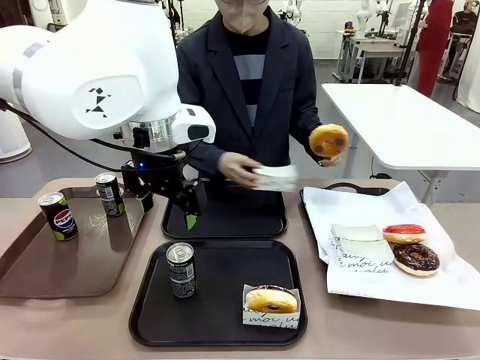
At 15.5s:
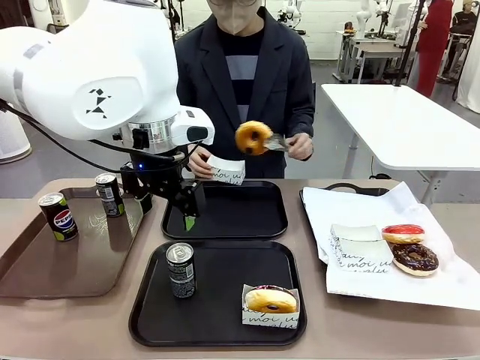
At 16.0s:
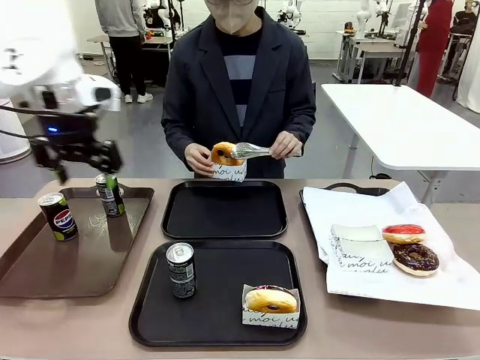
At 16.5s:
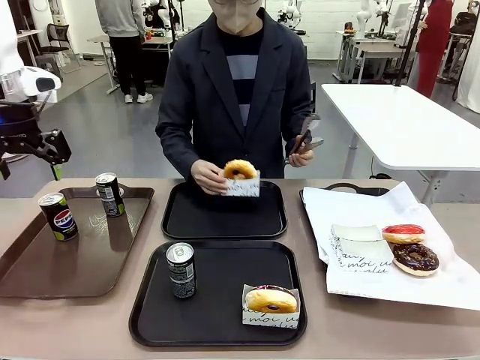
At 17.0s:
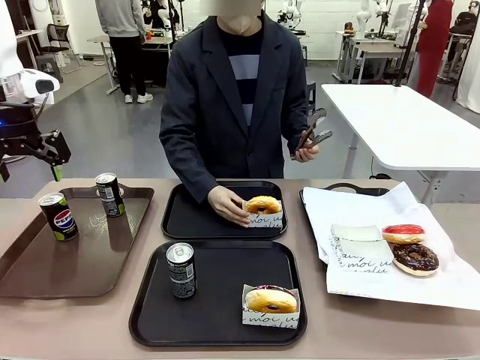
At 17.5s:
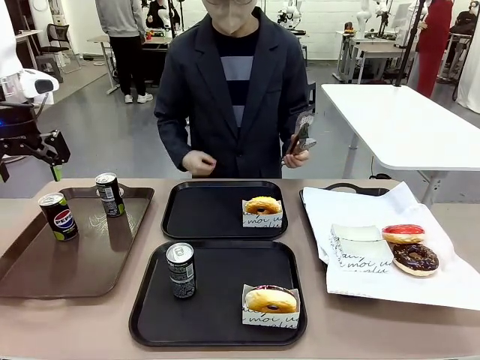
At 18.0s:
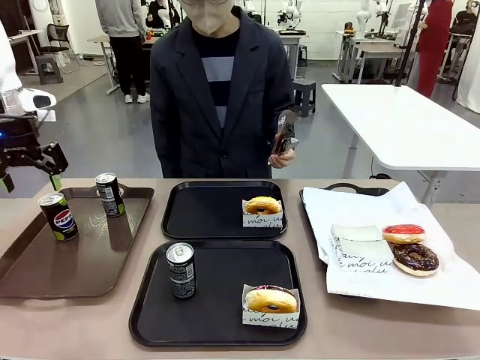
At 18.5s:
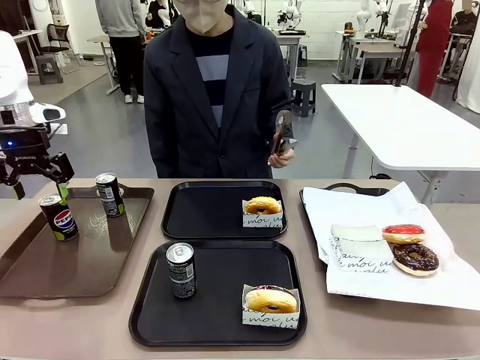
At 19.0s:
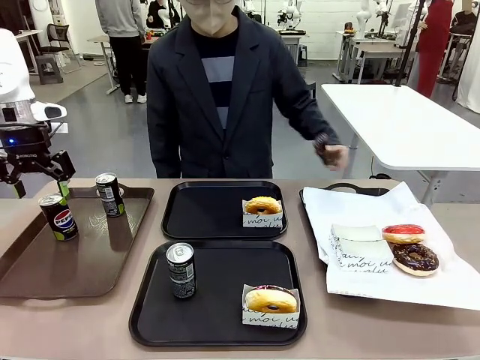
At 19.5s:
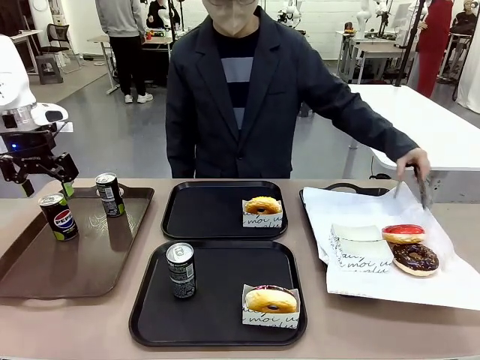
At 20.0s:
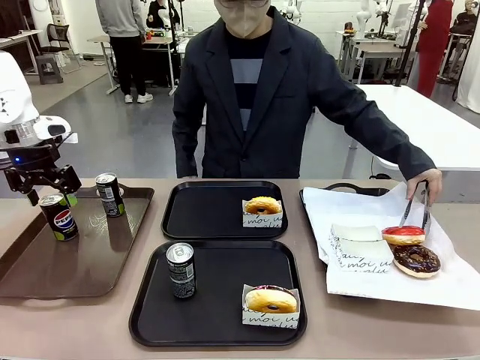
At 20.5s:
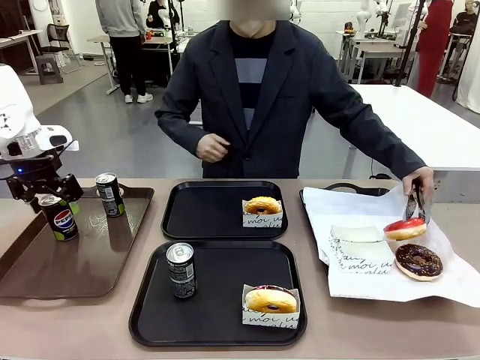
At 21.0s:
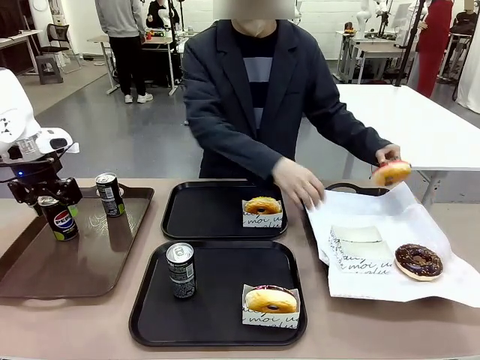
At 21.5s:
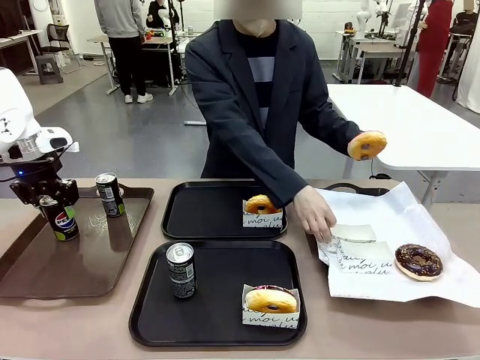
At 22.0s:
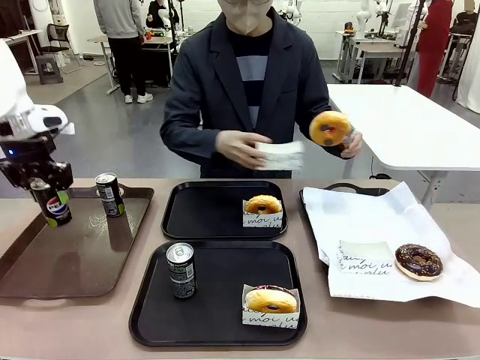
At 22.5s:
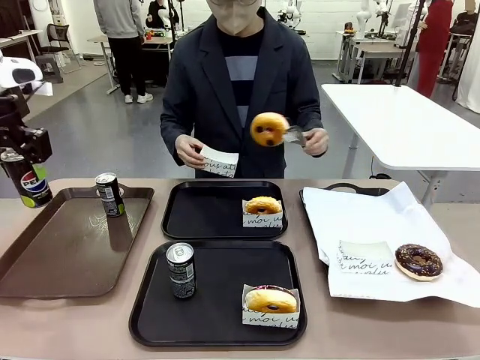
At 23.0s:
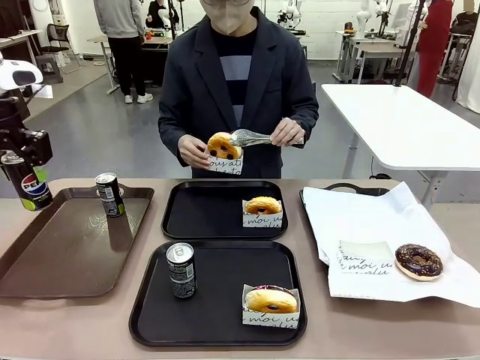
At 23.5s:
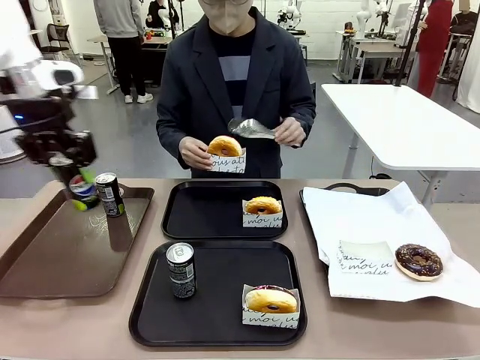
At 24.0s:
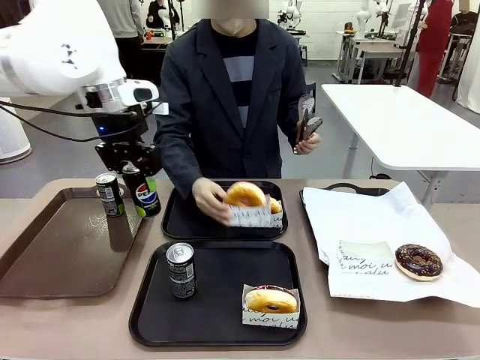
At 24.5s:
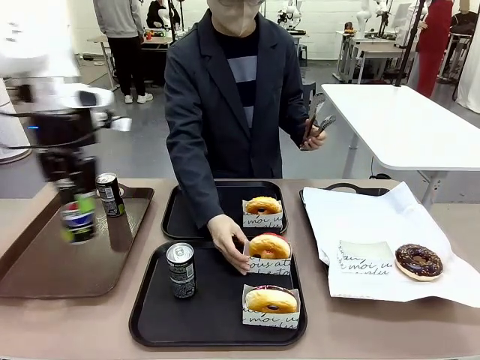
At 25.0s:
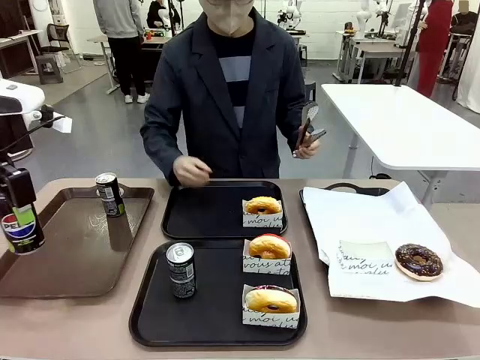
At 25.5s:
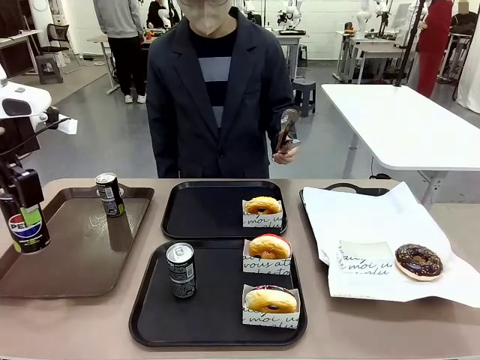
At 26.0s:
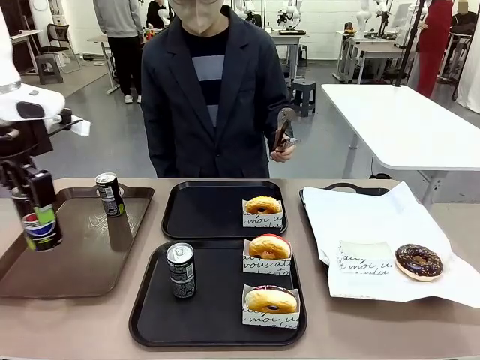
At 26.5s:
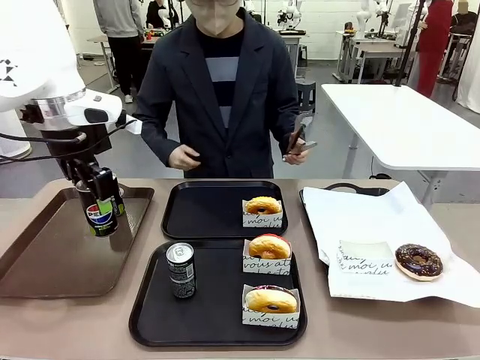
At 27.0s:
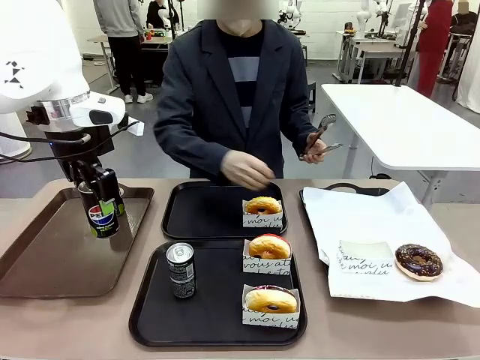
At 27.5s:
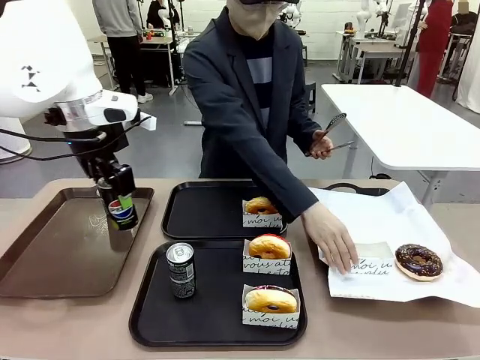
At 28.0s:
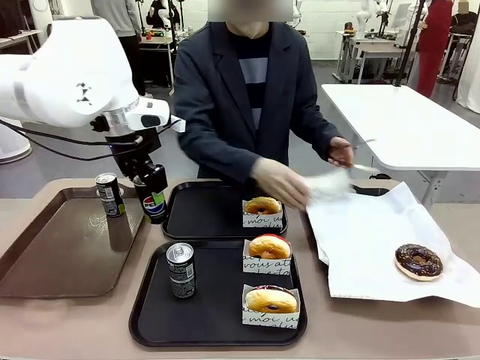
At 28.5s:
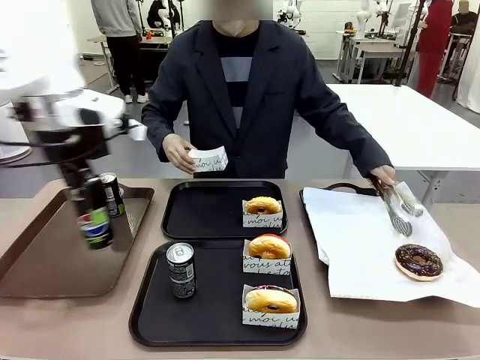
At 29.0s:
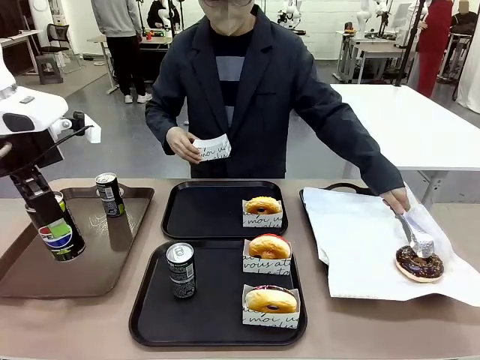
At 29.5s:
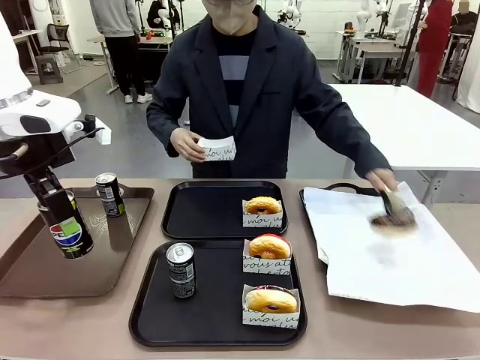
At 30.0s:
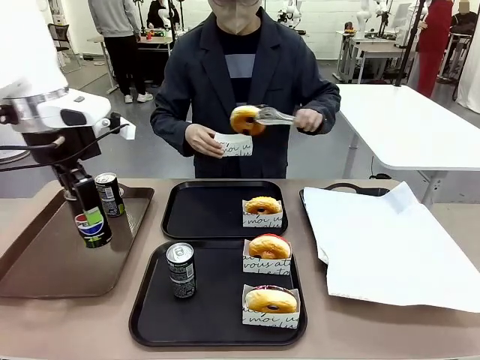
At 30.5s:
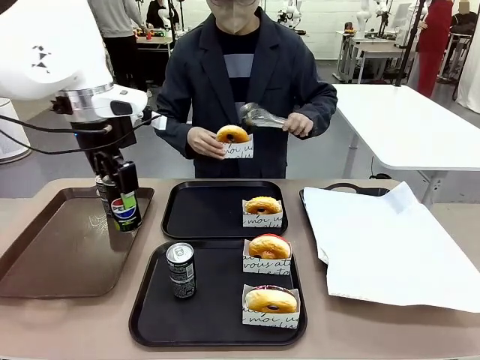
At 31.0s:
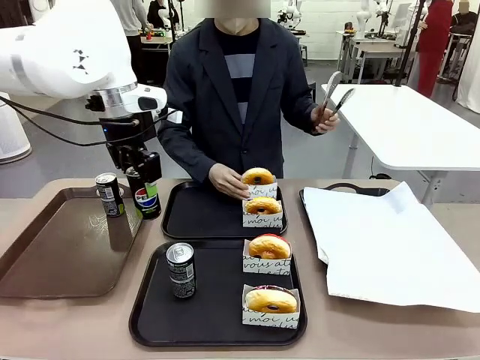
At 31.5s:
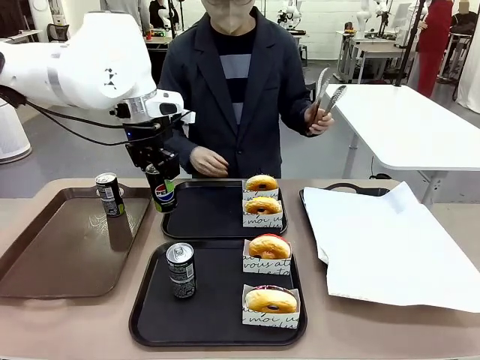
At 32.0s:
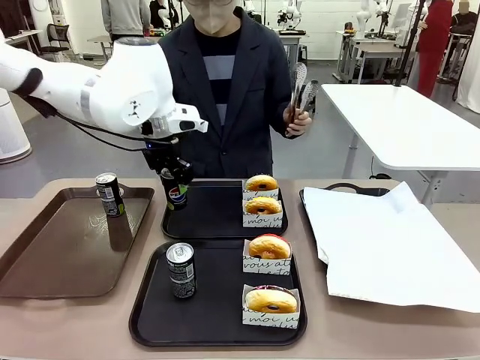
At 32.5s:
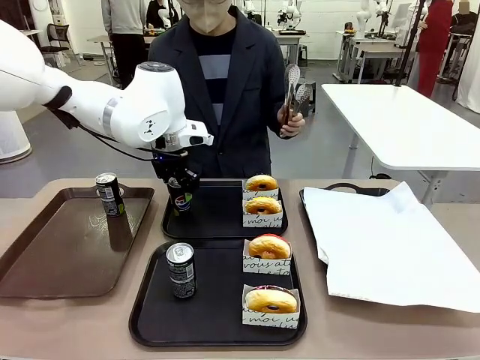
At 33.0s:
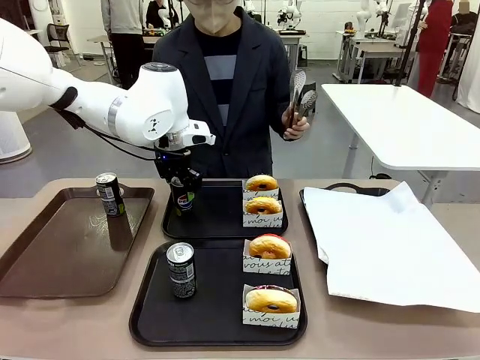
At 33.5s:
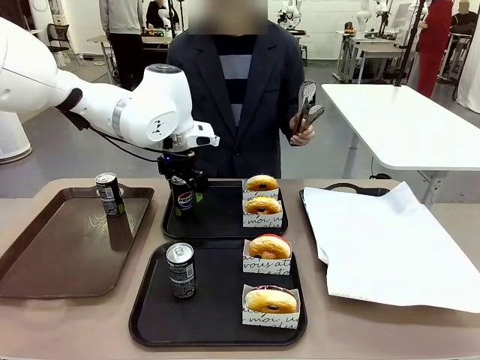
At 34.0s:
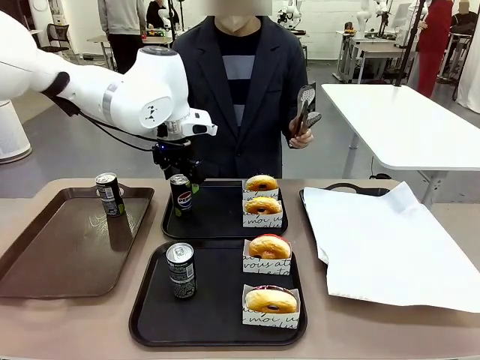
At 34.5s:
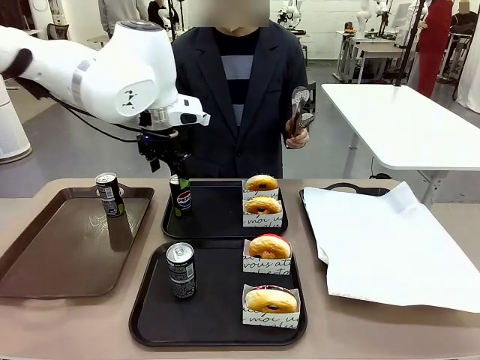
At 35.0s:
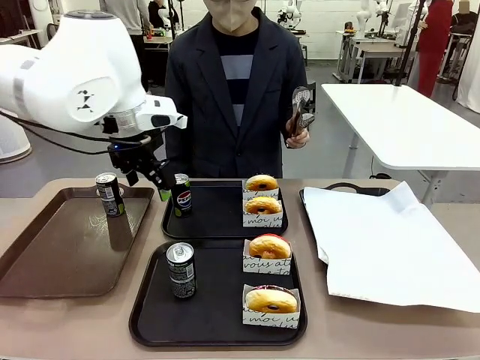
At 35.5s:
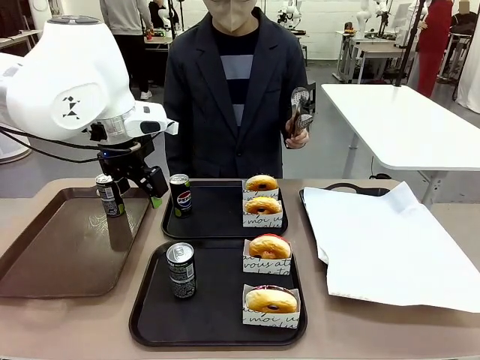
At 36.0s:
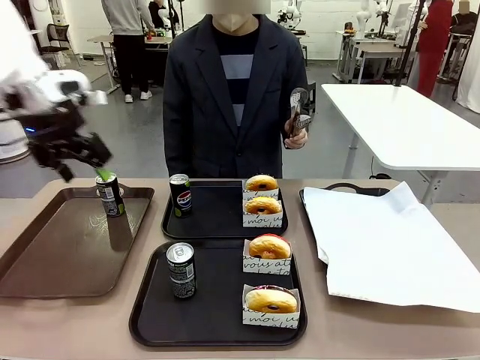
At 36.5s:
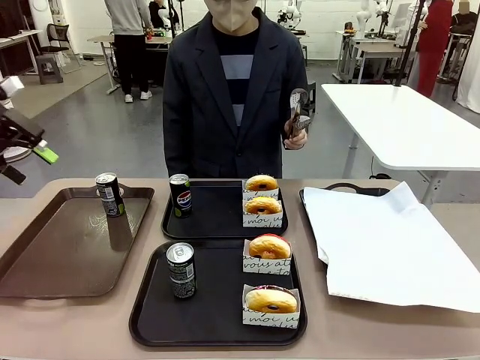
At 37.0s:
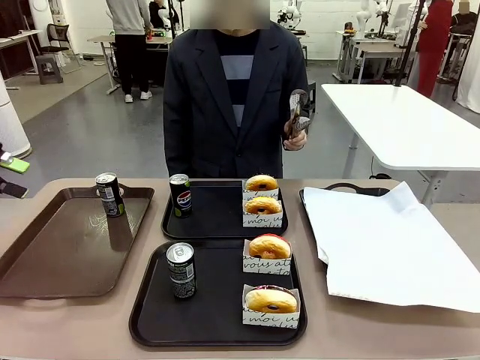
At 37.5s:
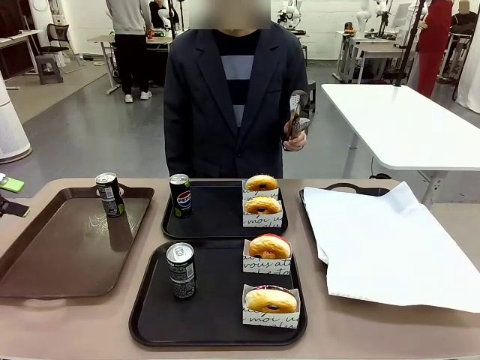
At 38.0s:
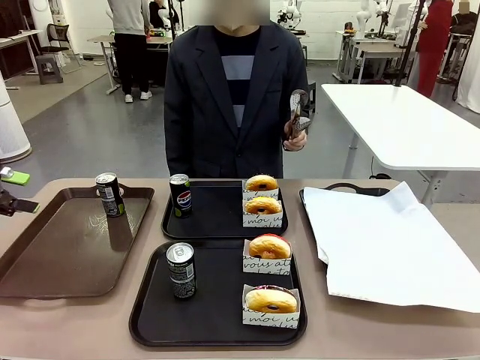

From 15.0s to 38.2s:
Task: Set up donuts and drinks on trays.
Robot: Pick up one Pepsi coke from the Handle tray and place it on the Flat Tray without a Pepsi coke.
Person: Pick up one donut with tongs, place it in the donut tray, and then place the donut tray on the flat tray.
